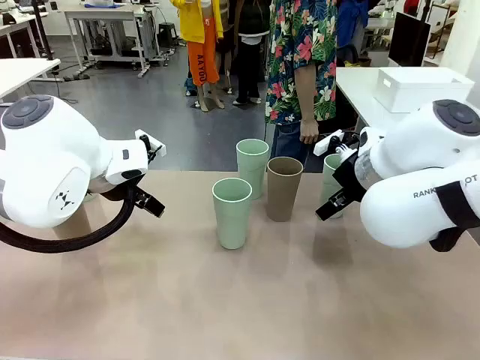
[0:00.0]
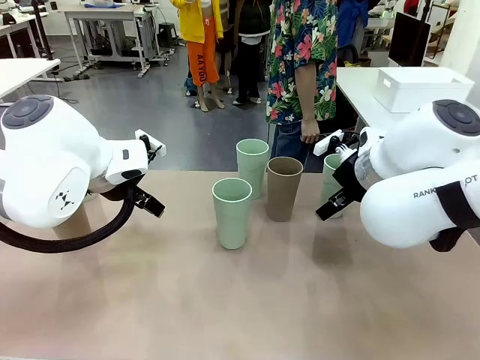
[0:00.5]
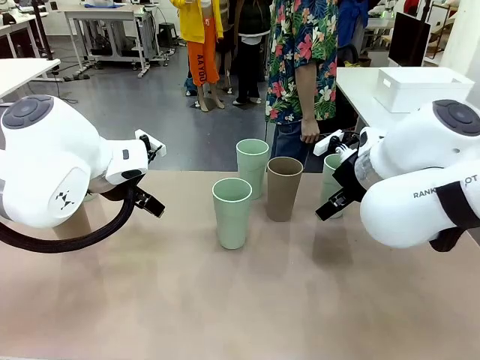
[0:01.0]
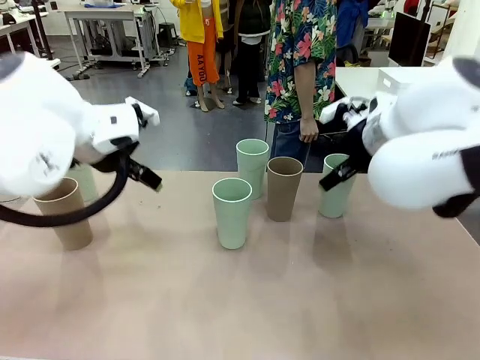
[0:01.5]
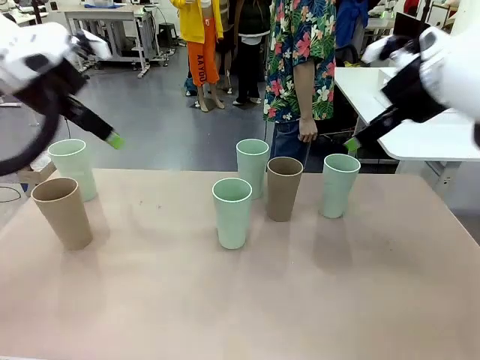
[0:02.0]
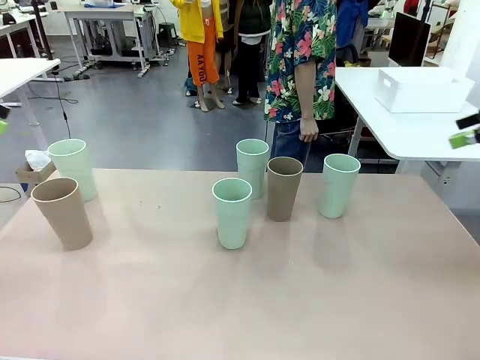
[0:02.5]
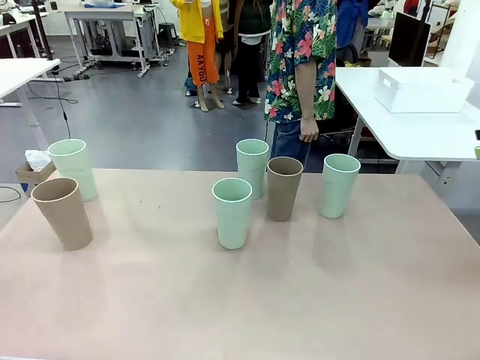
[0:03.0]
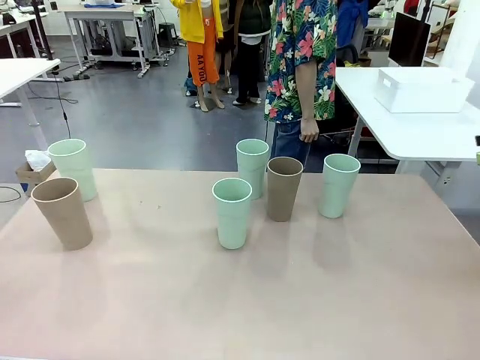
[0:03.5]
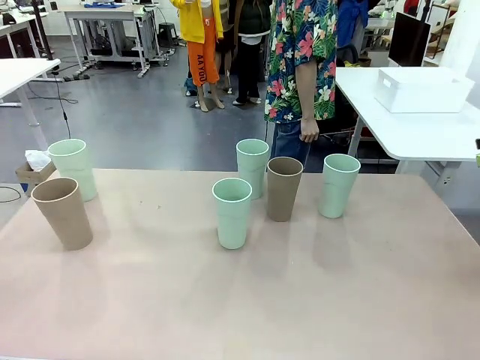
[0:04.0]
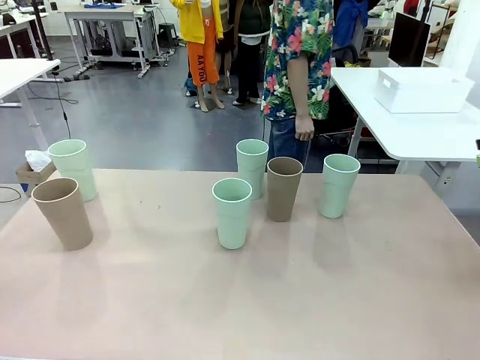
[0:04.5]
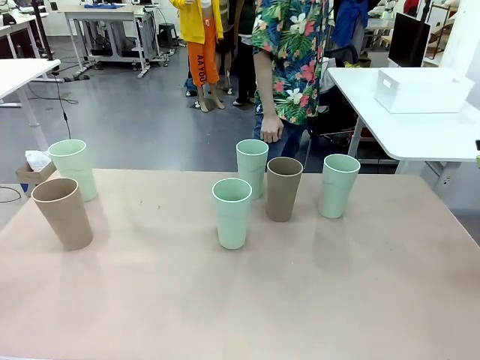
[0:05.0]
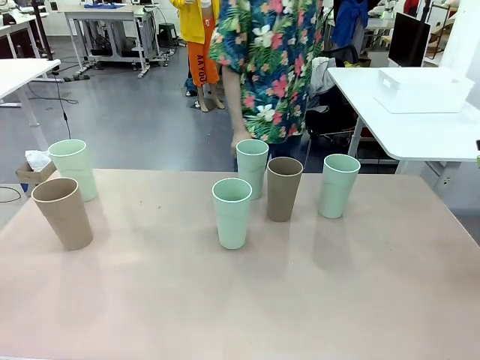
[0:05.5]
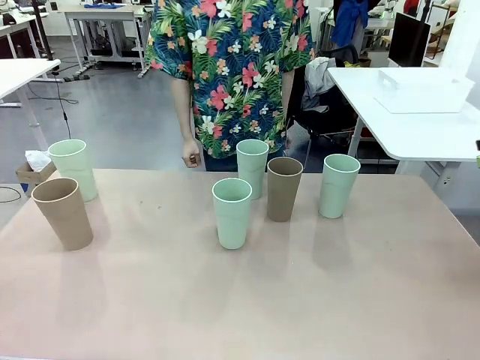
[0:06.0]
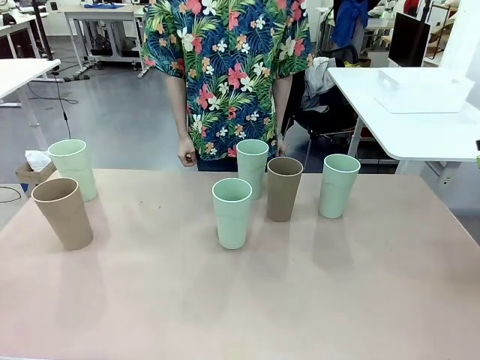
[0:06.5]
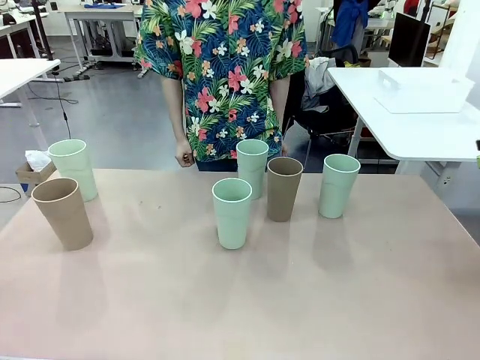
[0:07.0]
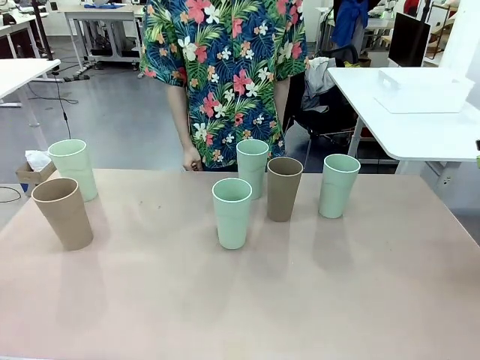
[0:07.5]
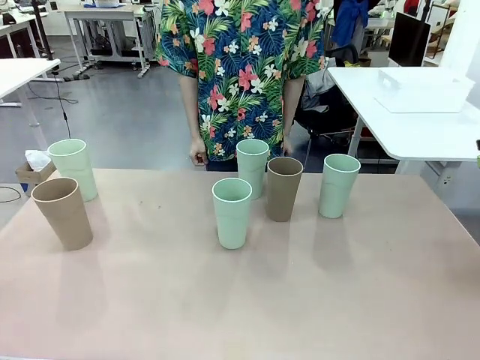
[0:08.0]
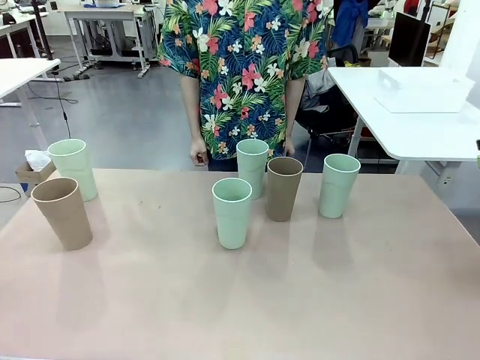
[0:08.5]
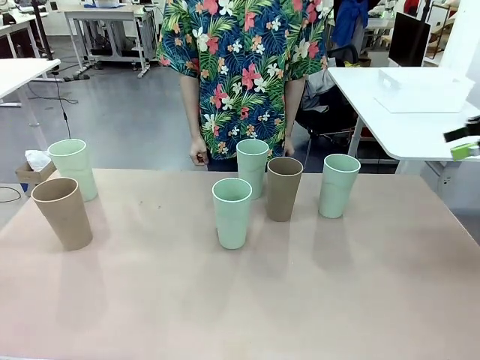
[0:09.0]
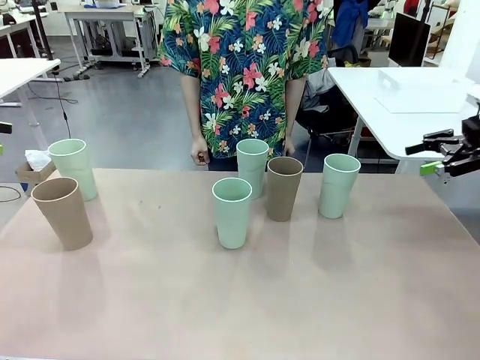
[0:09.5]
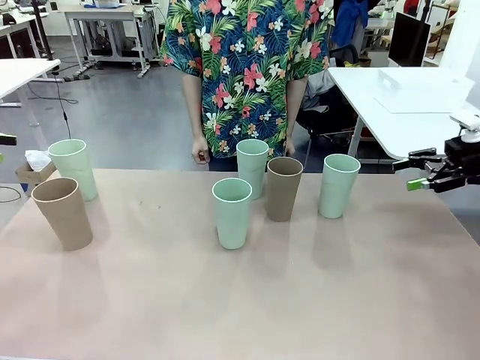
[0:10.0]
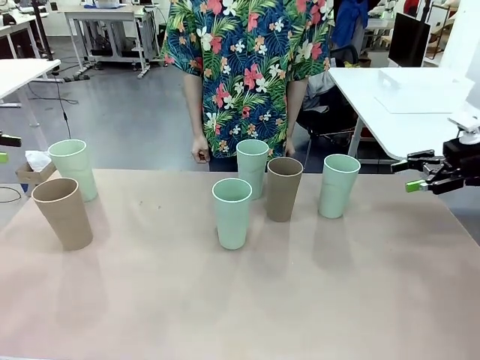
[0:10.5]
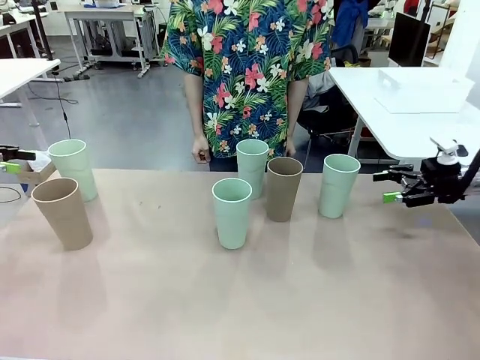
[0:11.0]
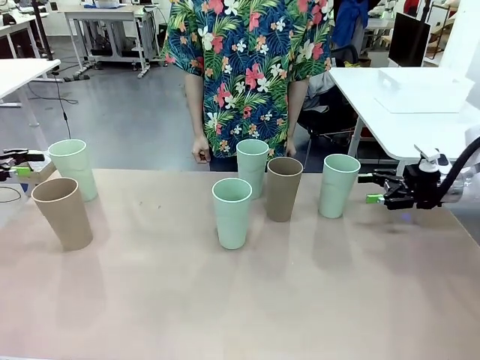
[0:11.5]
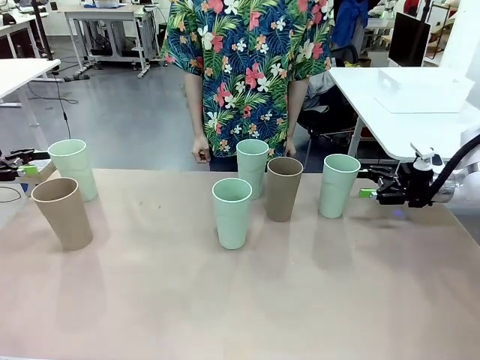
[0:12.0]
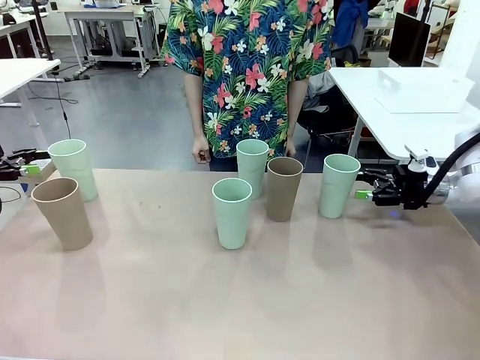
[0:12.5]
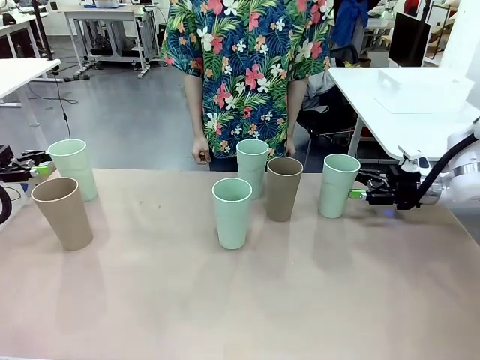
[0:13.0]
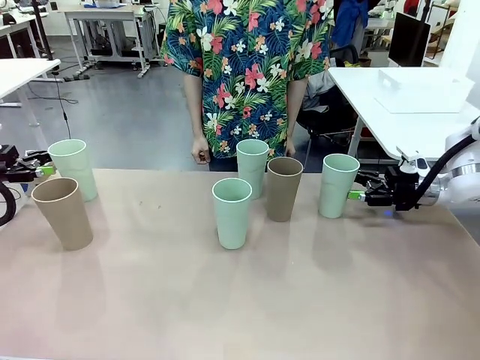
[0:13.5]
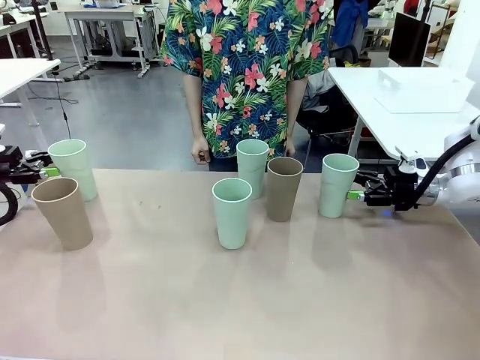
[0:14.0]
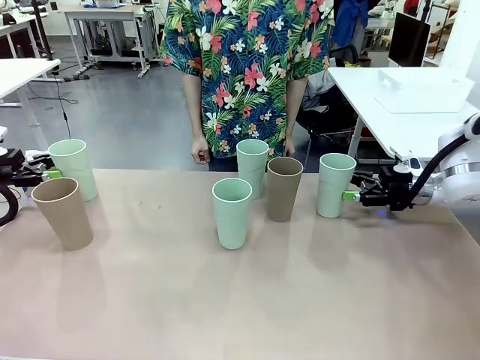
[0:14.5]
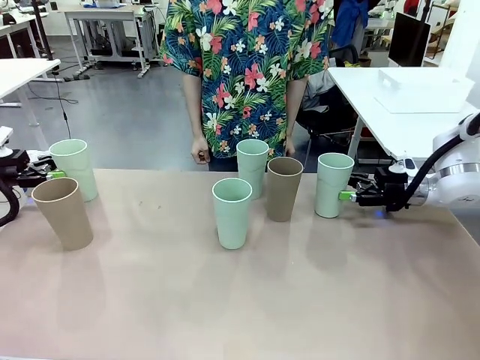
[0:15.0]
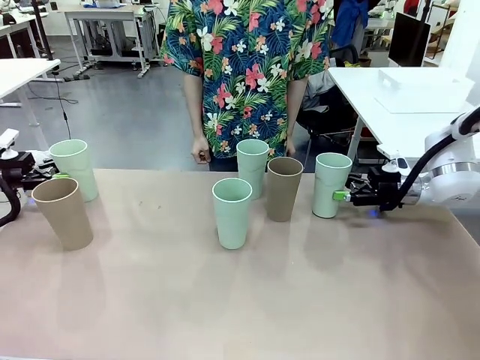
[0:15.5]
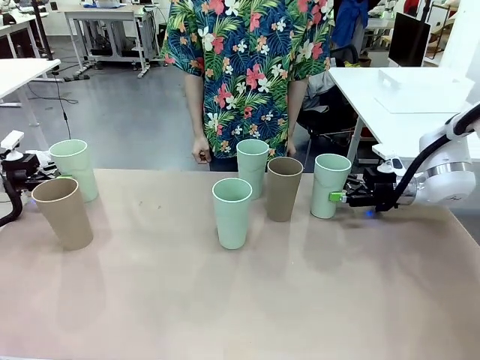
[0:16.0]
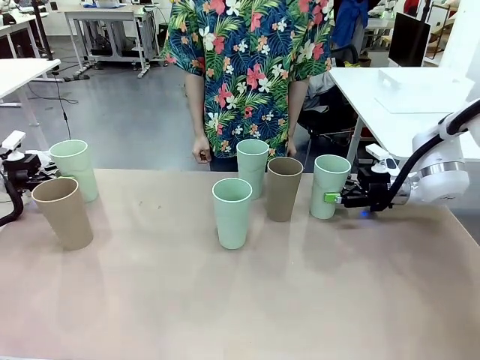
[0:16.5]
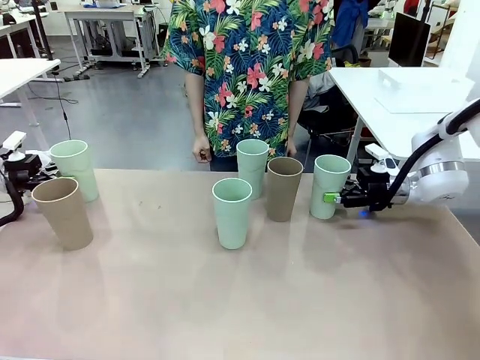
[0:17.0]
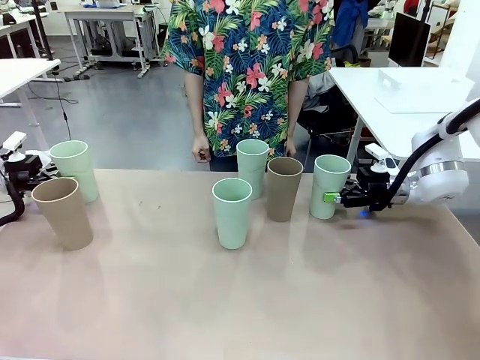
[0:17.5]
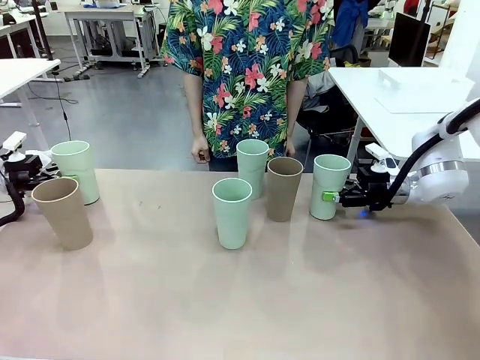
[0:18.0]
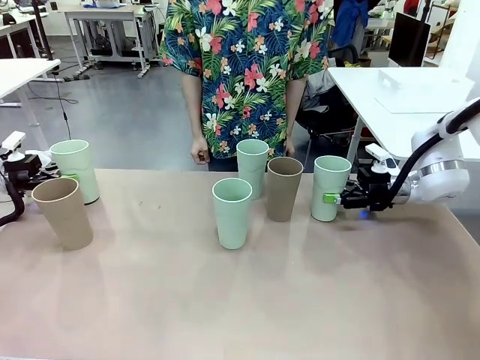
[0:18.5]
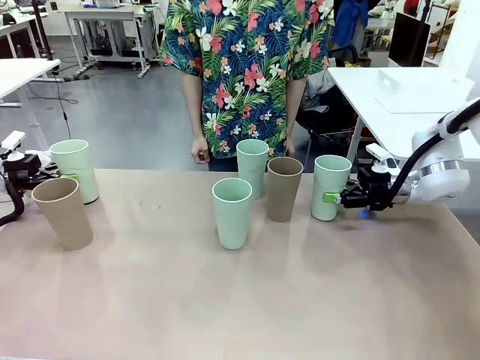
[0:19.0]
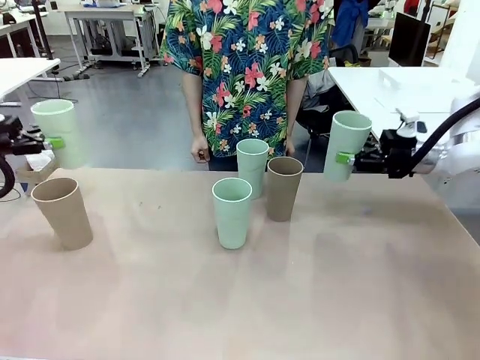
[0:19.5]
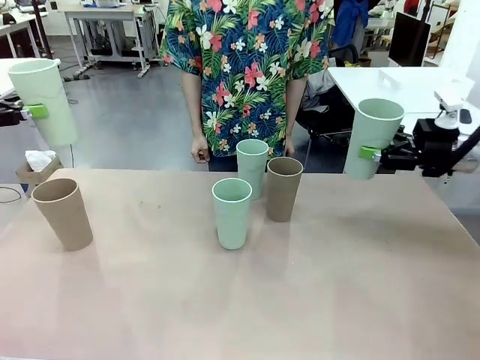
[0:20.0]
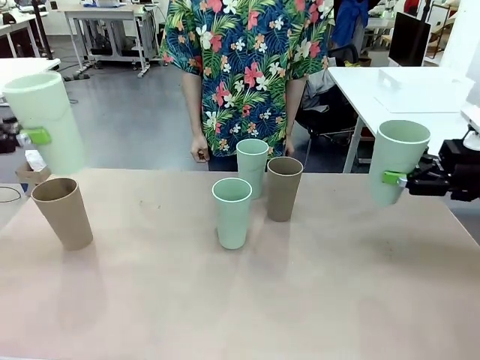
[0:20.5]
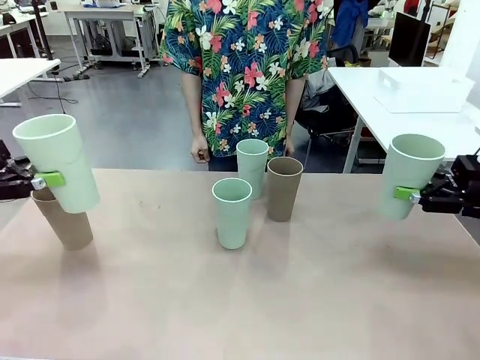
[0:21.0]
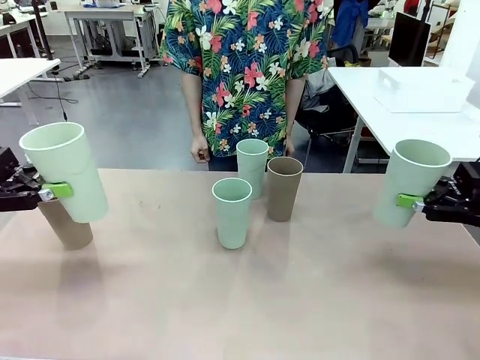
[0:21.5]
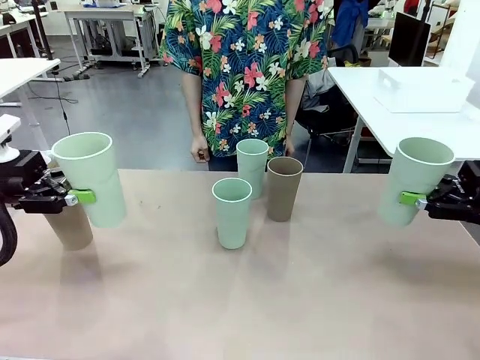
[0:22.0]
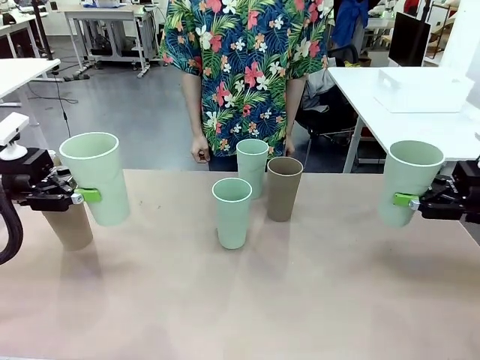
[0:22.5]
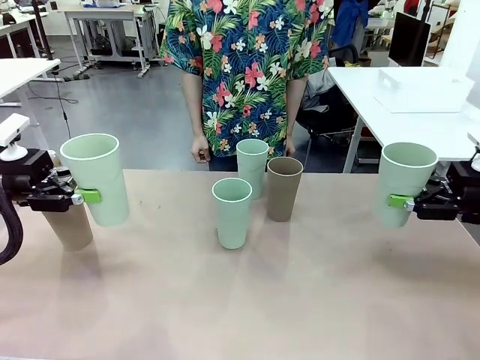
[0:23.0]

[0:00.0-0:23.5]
Task: Stack the cups and store them in the basket.
Robot: Pick up two Reusable plastic cups , one in each hand.
Person: Move from the Human Table to the front of the Robot Table. Stack two of the remaining cups on top of each cup held by the robot.
